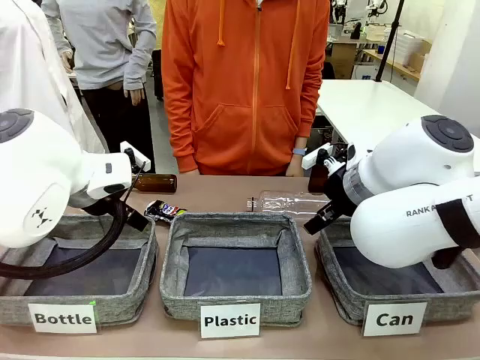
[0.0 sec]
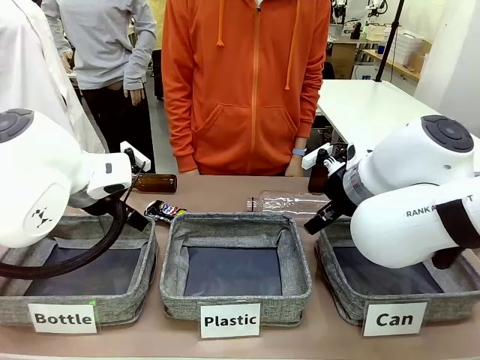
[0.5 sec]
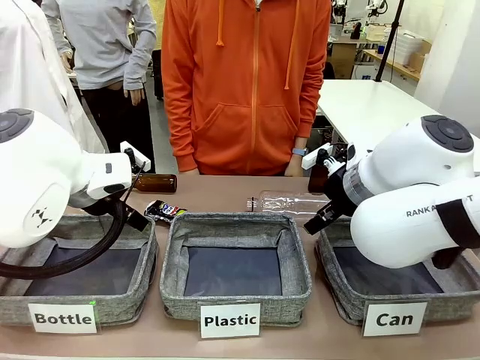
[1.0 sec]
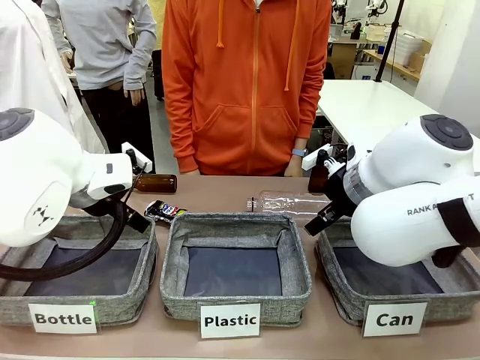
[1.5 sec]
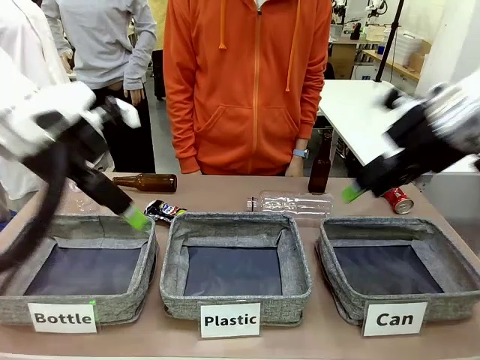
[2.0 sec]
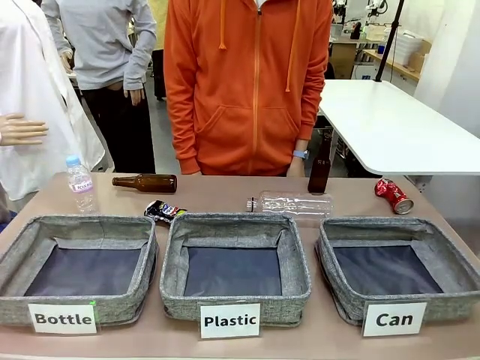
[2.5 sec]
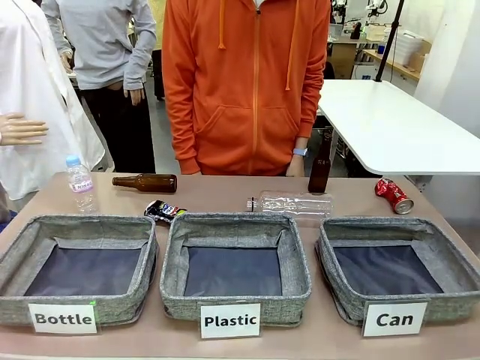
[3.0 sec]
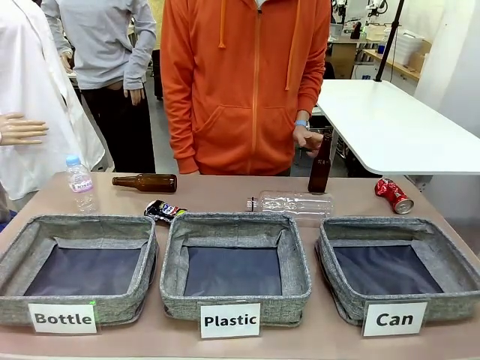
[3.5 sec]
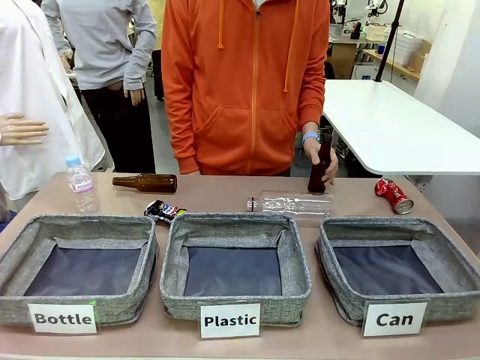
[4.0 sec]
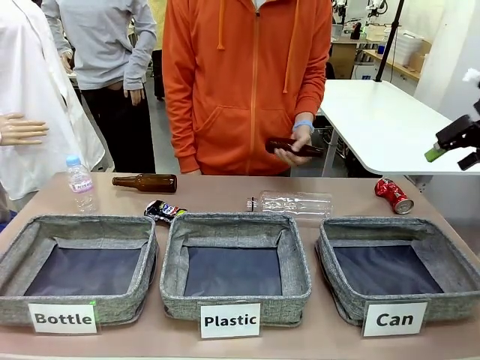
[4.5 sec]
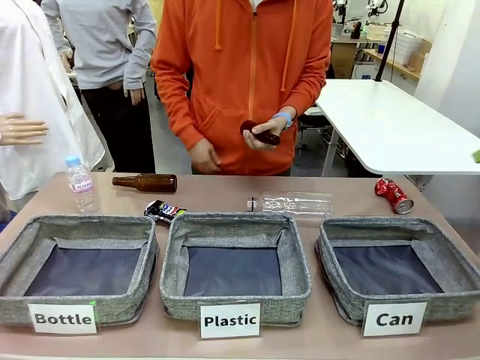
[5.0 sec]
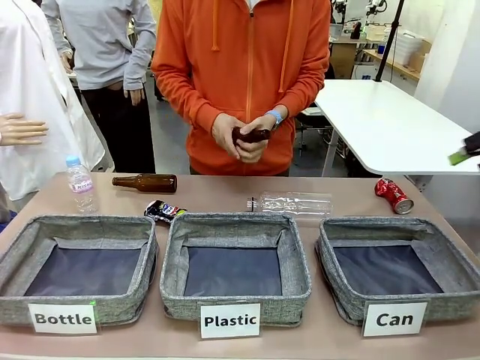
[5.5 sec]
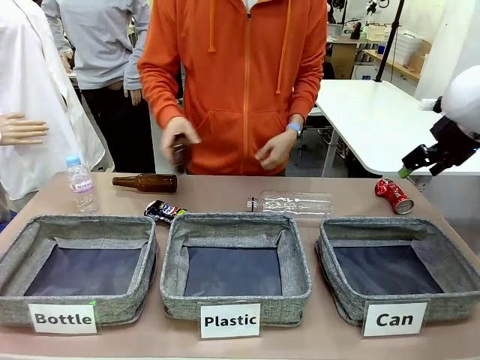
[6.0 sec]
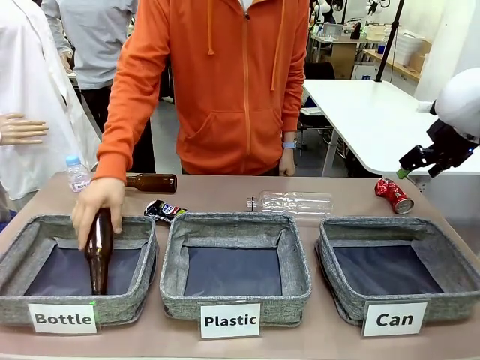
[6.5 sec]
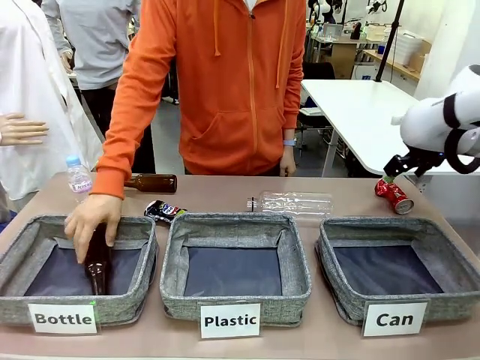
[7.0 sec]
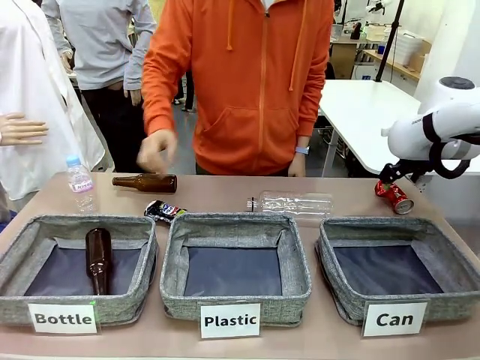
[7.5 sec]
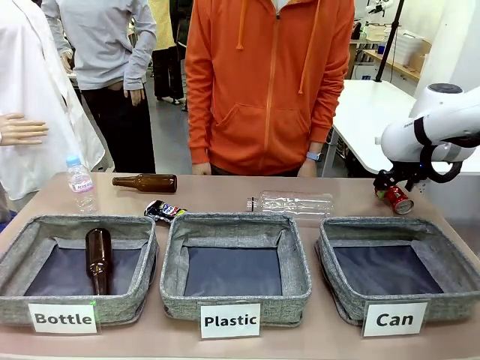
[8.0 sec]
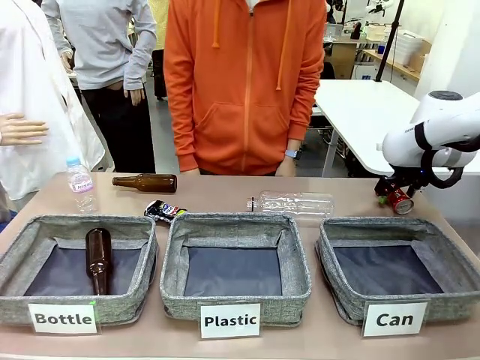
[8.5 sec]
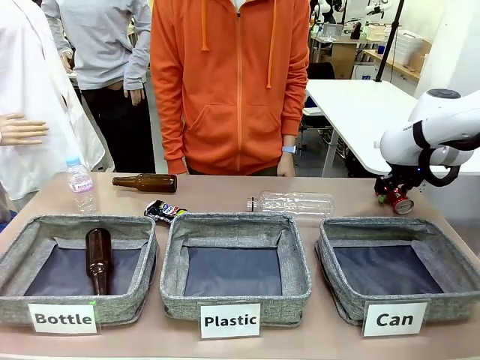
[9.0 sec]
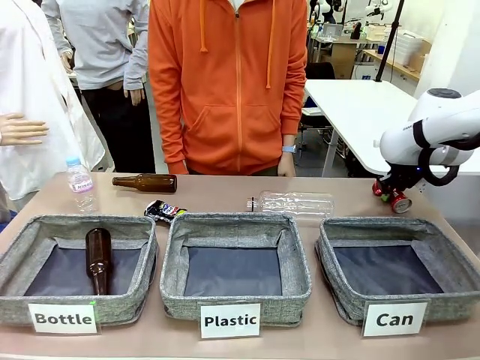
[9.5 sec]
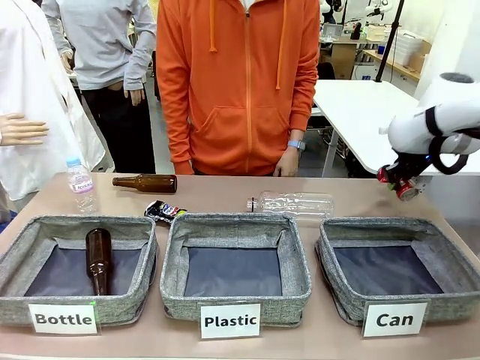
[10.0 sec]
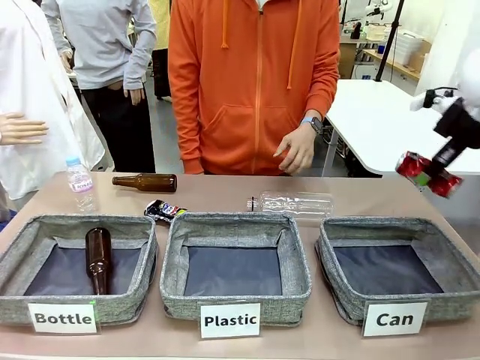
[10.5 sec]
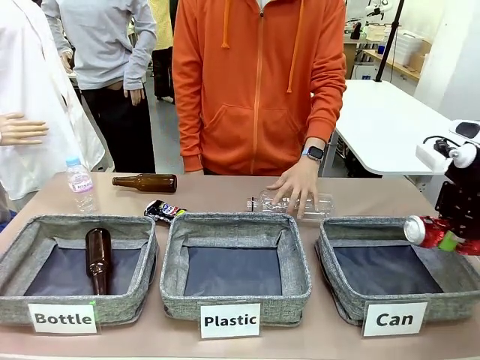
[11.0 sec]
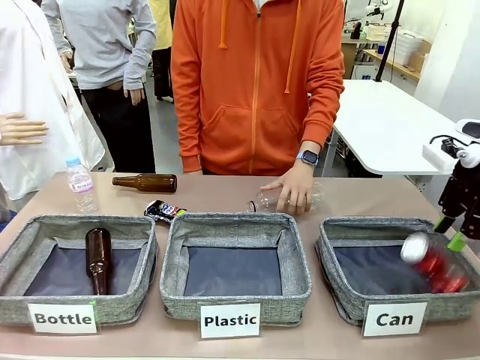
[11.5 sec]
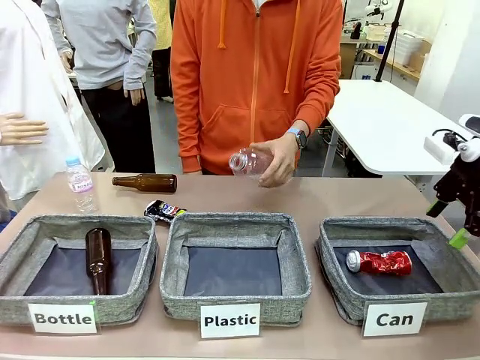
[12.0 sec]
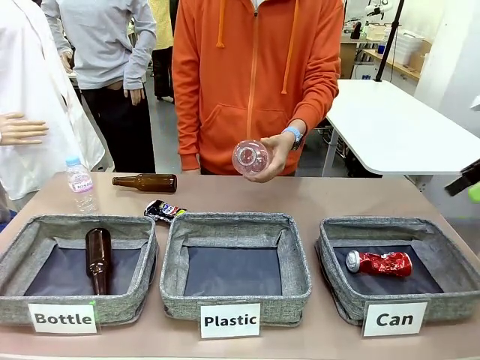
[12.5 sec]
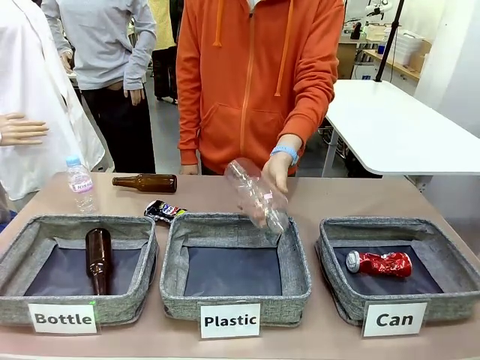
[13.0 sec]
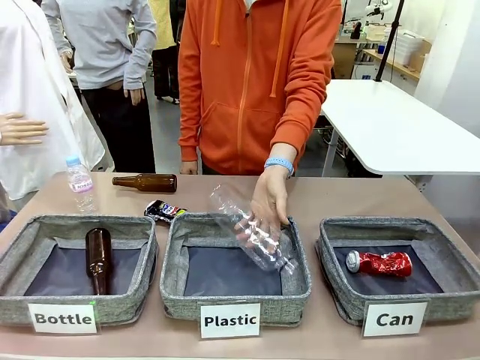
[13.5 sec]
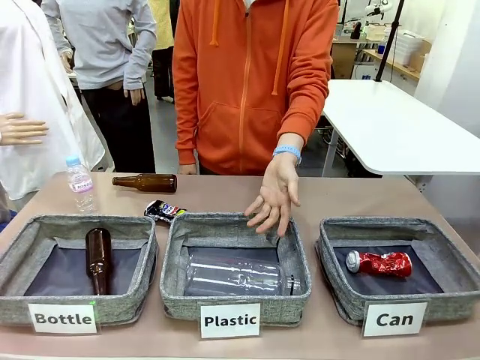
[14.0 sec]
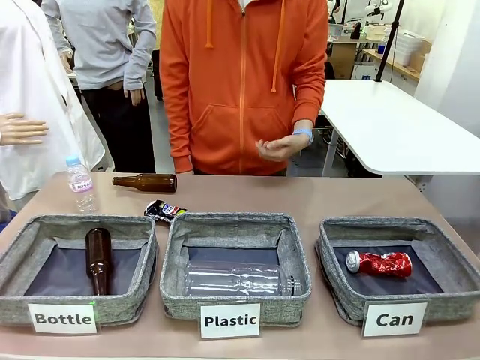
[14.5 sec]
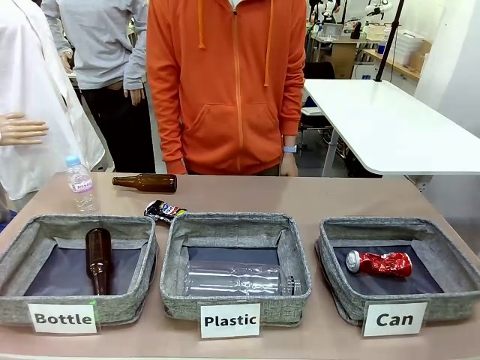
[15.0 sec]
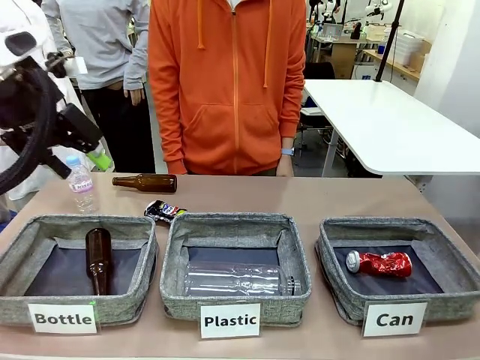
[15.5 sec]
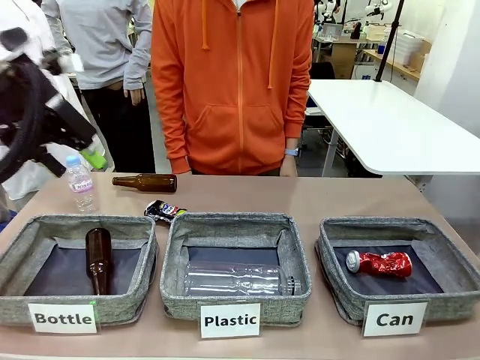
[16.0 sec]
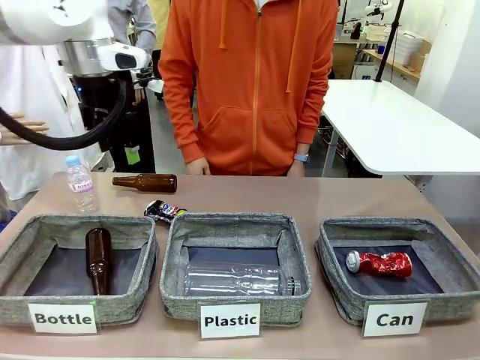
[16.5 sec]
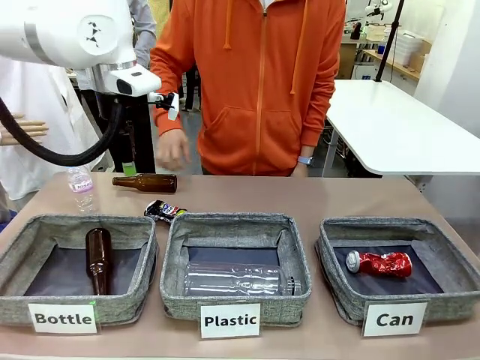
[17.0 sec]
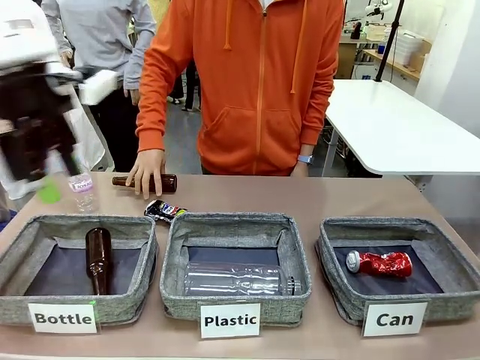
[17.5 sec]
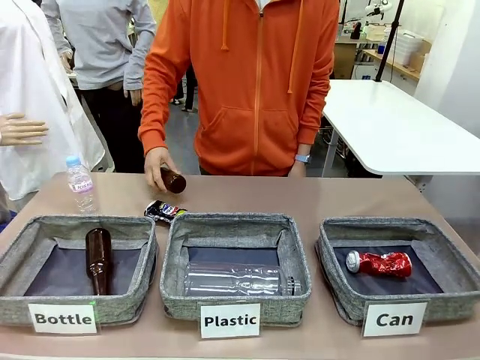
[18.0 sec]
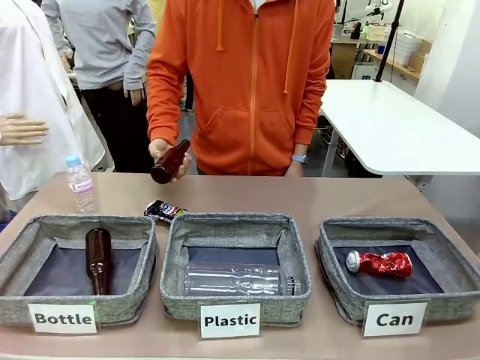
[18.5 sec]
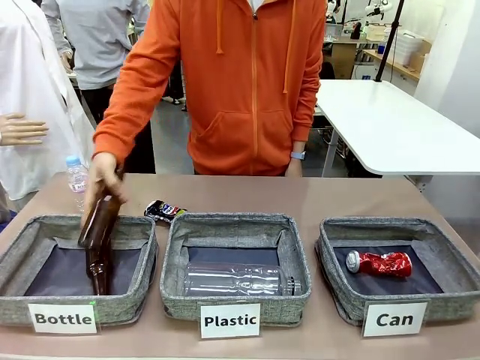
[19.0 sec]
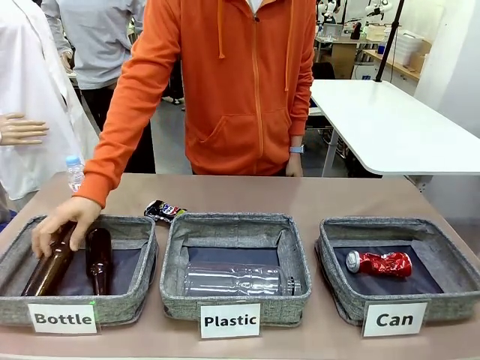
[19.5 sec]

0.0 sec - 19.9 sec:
Task: Sort the can waste into the basket.
Robot: Pick up the can waste from the table and place it in the right Fabric basket.
